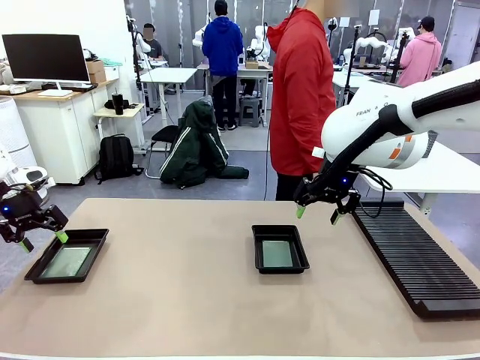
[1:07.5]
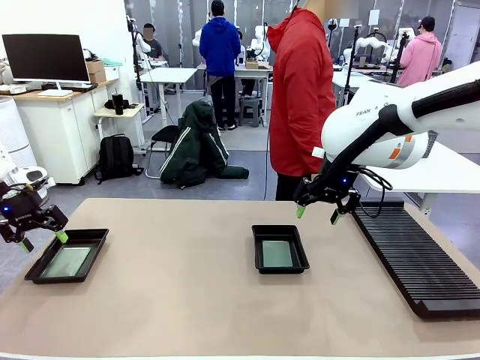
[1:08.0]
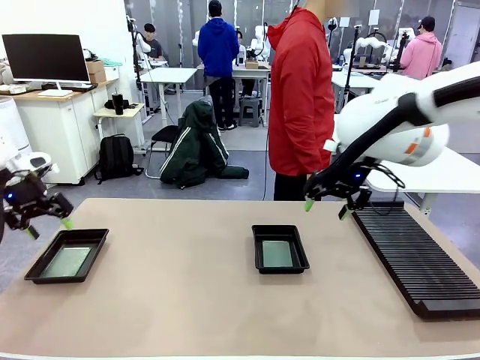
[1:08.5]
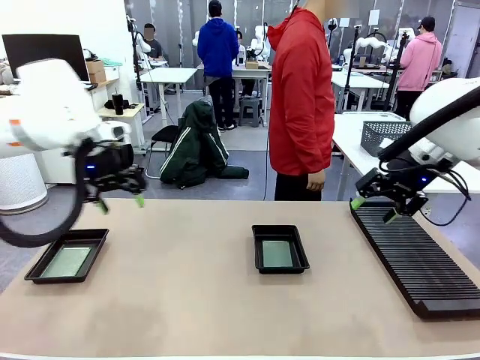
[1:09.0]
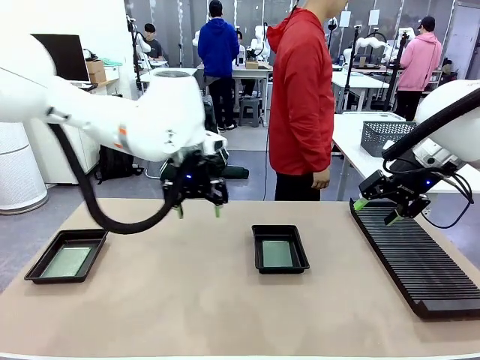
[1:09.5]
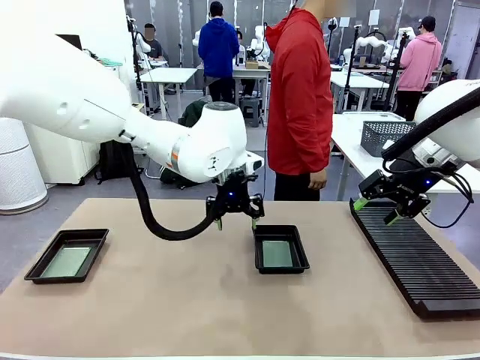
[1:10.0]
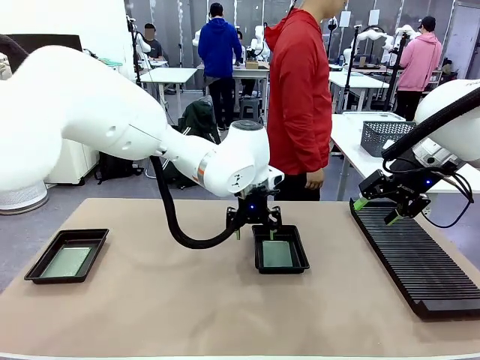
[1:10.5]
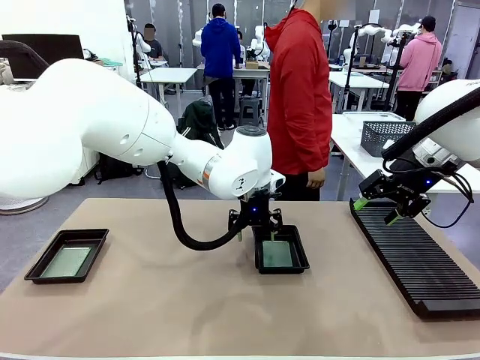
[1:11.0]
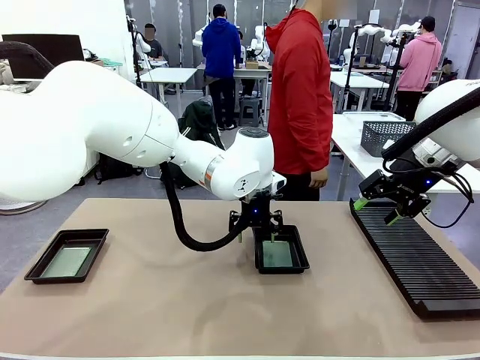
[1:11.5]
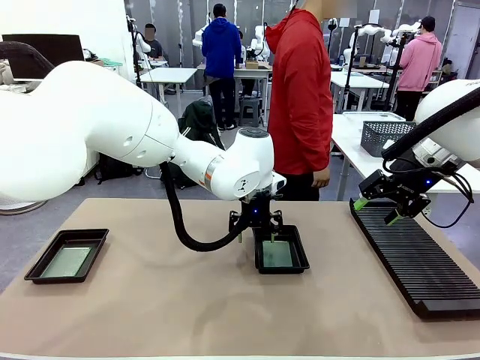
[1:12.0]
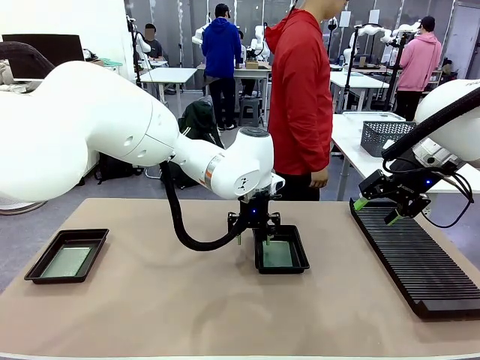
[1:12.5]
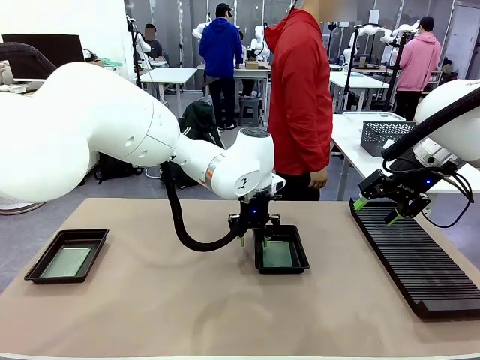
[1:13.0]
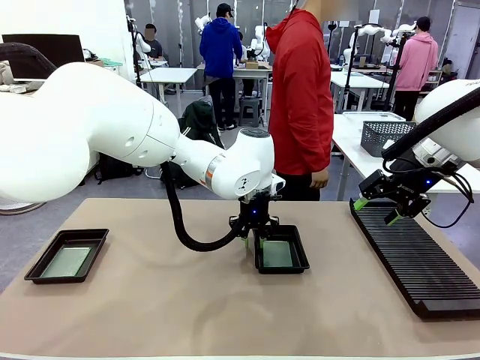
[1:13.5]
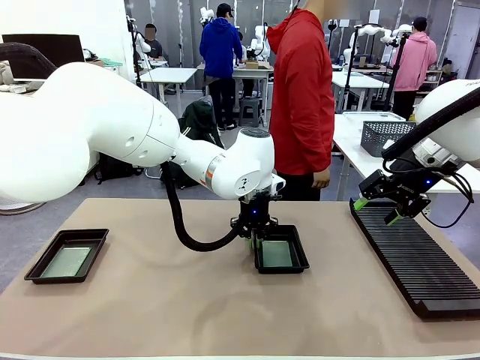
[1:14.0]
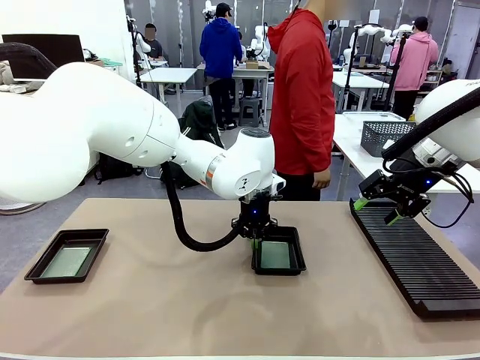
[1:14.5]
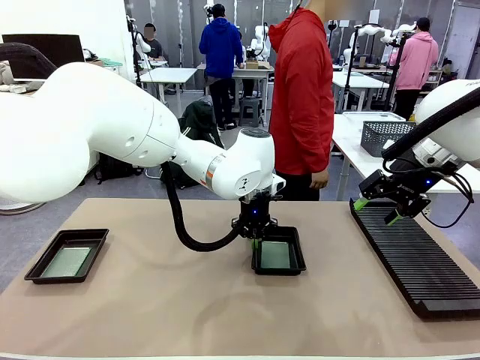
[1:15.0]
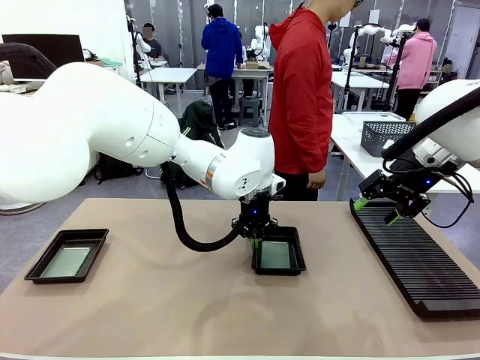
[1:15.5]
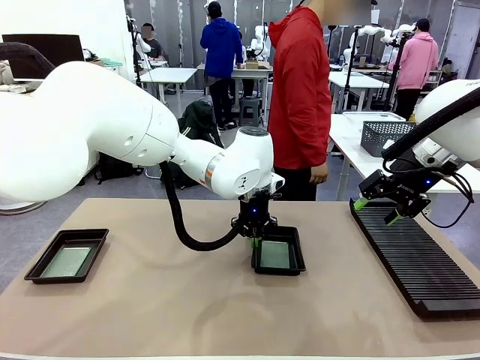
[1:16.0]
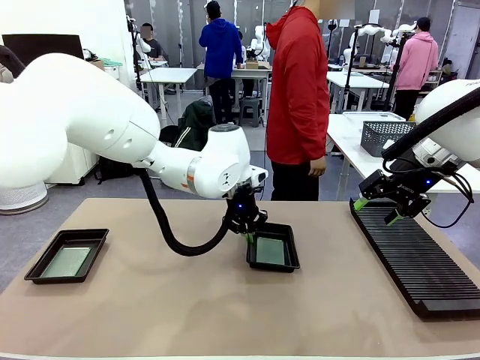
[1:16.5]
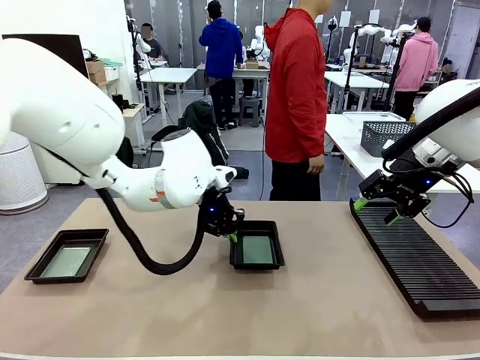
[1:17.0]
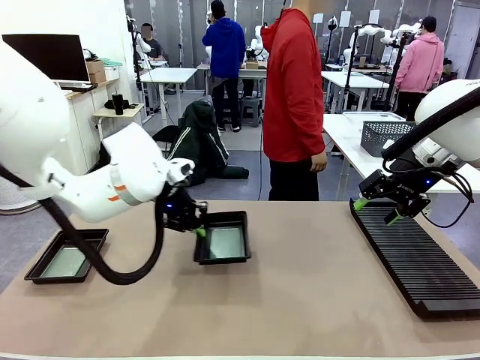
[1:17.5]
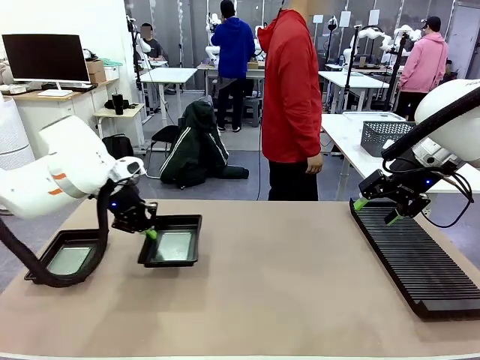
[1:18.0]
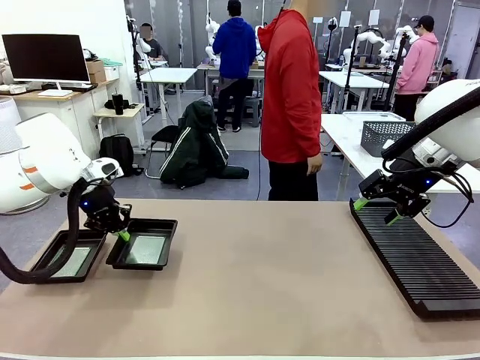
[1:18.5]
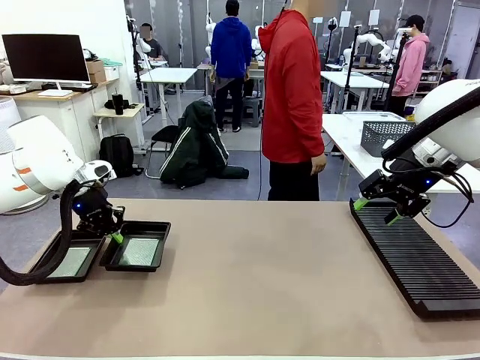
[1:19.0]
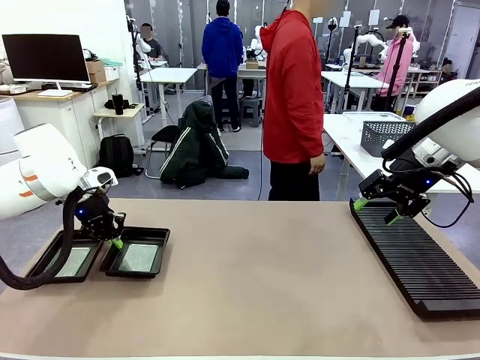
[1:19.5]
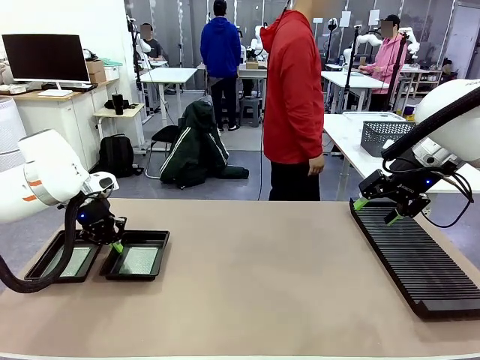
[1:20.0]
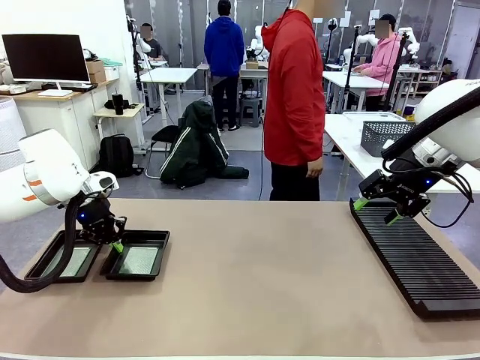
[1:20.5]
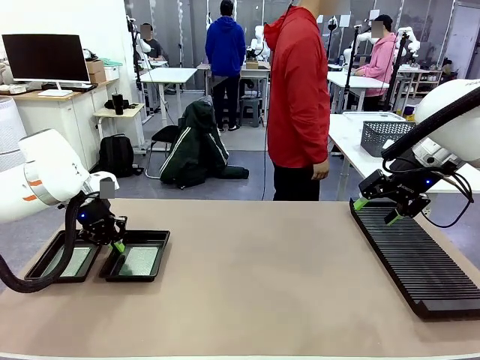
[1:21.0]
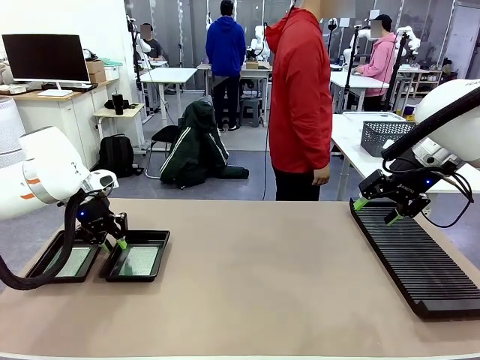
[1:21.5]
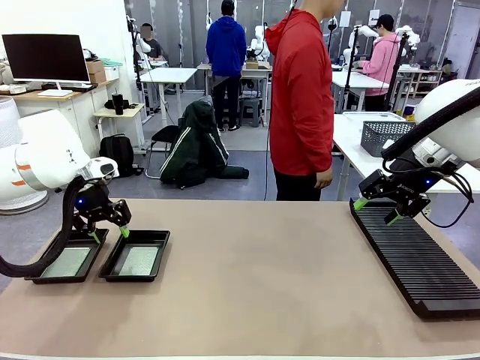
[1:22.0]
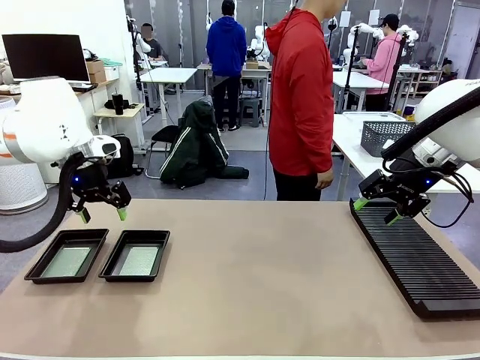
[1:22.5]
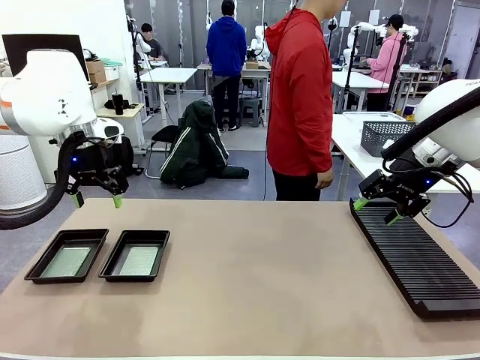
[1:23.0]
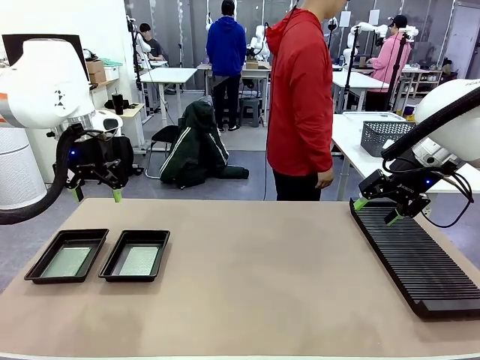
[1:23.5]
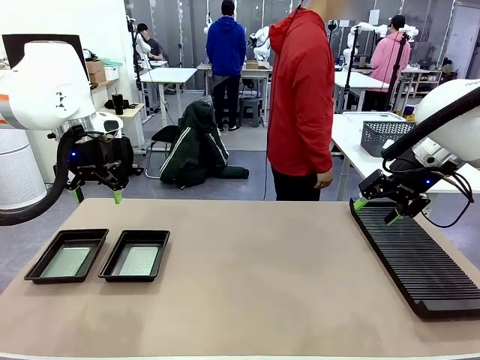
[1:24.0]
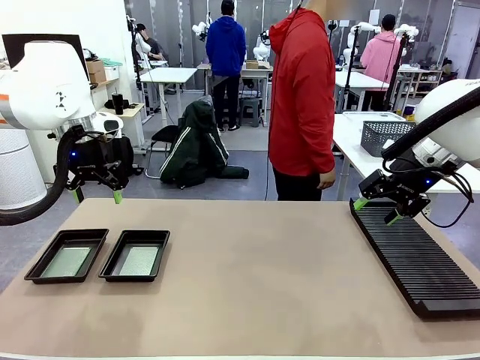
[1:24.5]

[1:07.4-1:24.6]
Task: Inspect and transfer BCBs to ESD trays.
Robot: Pick up the ESD tray and place it on the left side of the table.

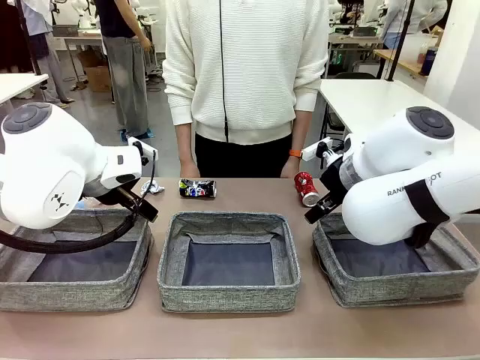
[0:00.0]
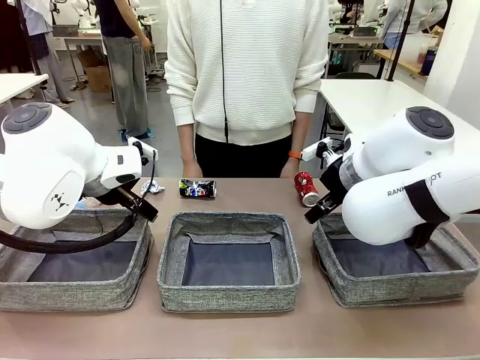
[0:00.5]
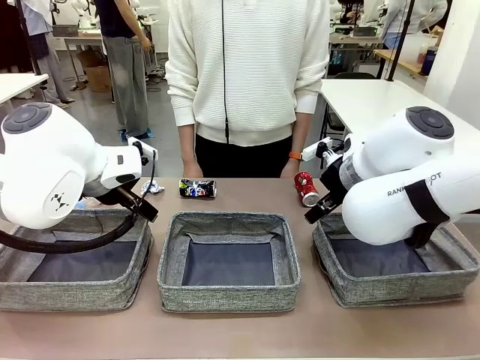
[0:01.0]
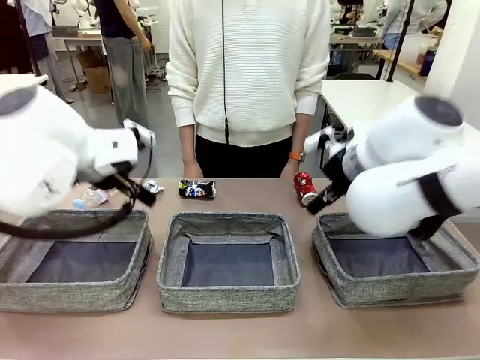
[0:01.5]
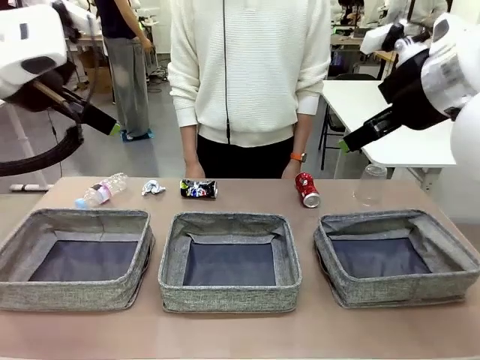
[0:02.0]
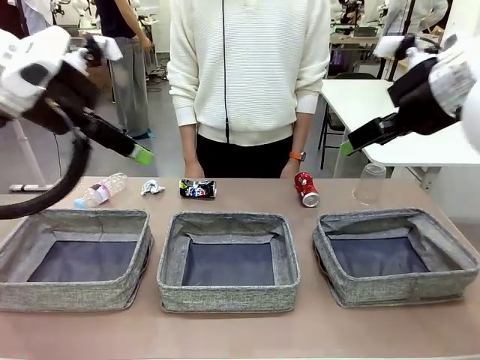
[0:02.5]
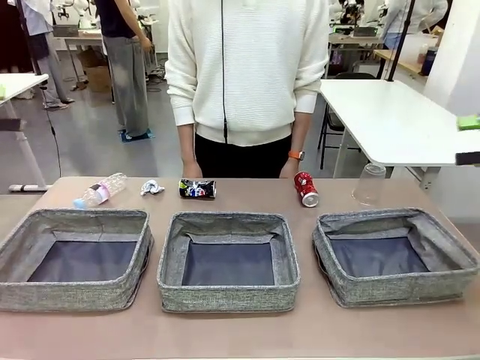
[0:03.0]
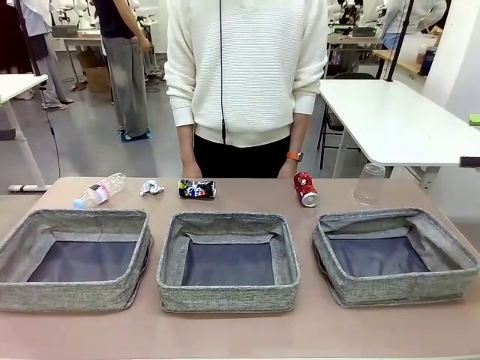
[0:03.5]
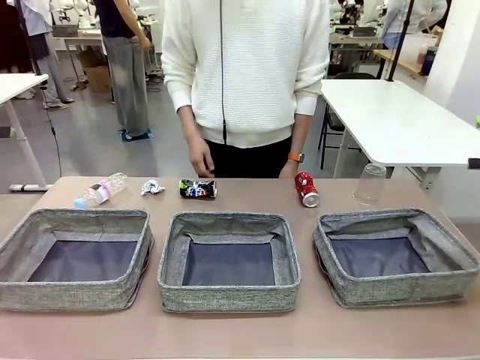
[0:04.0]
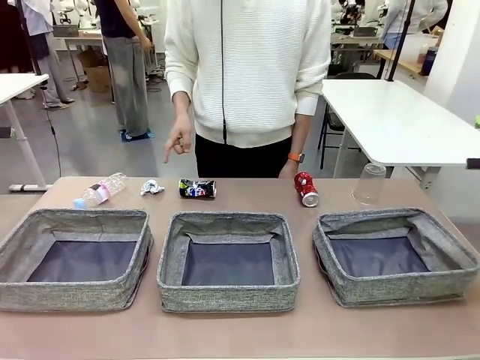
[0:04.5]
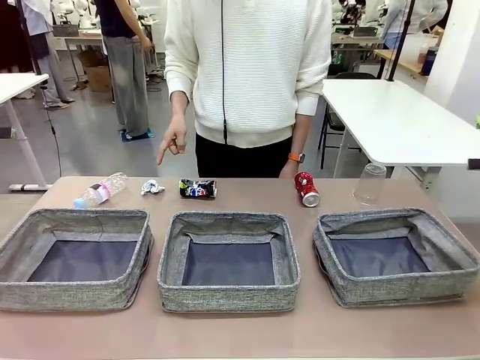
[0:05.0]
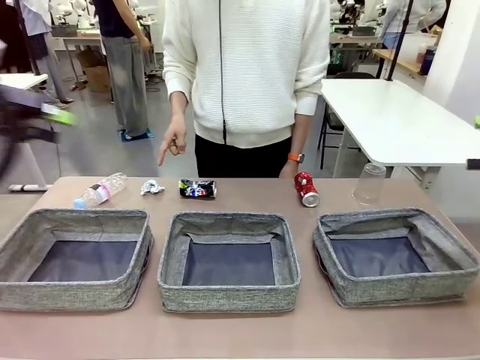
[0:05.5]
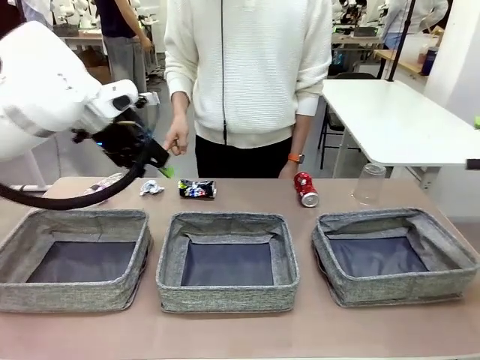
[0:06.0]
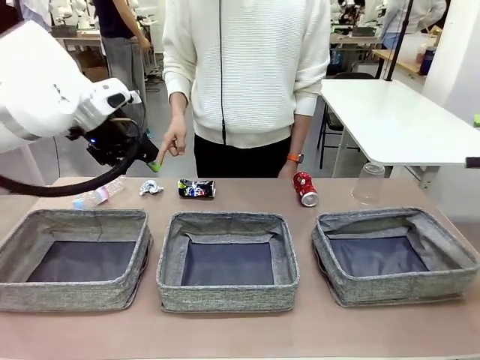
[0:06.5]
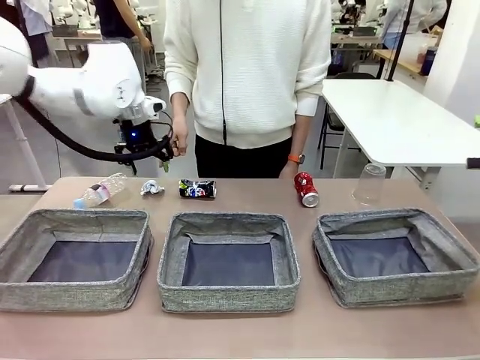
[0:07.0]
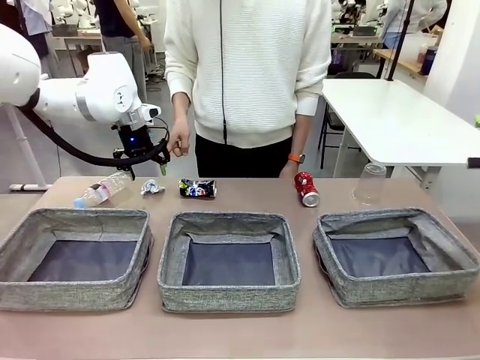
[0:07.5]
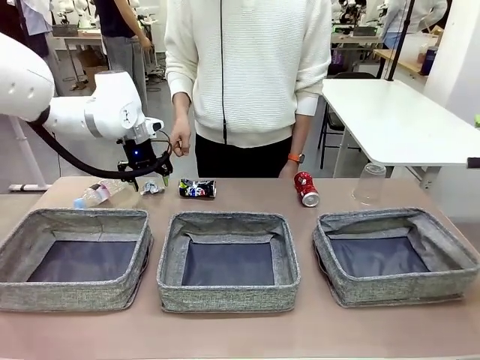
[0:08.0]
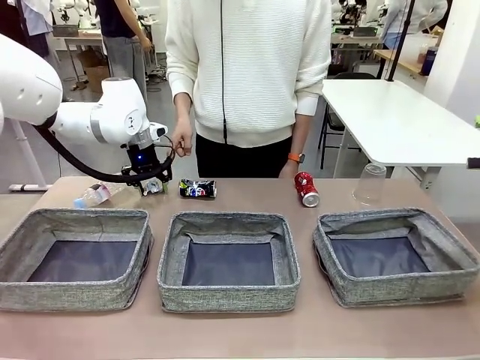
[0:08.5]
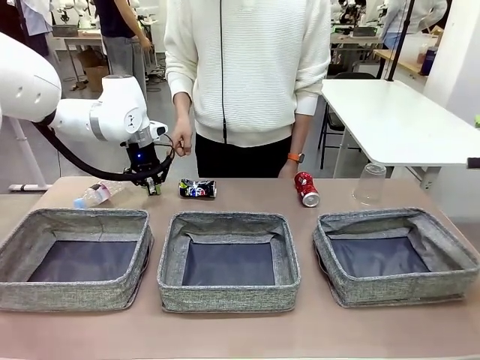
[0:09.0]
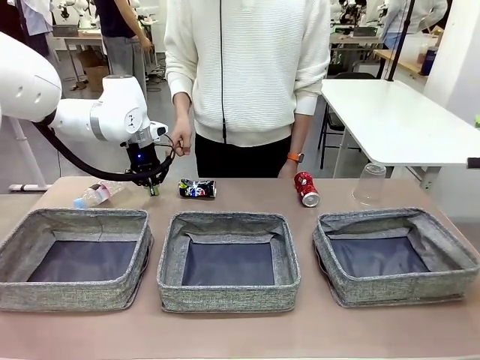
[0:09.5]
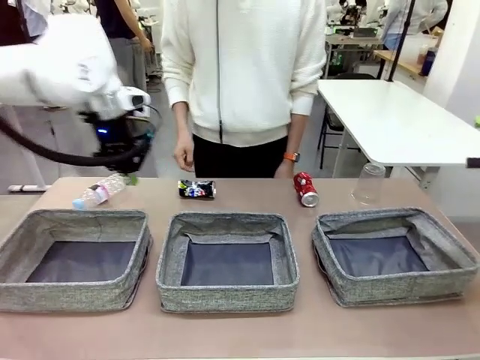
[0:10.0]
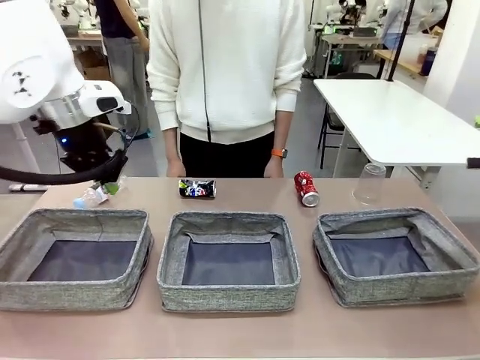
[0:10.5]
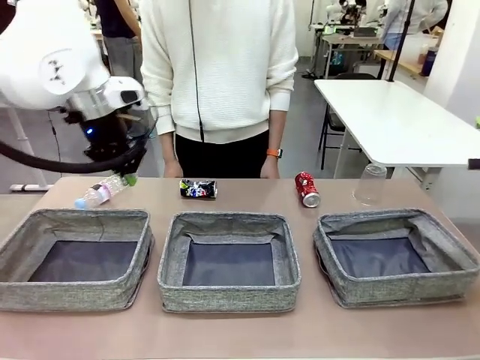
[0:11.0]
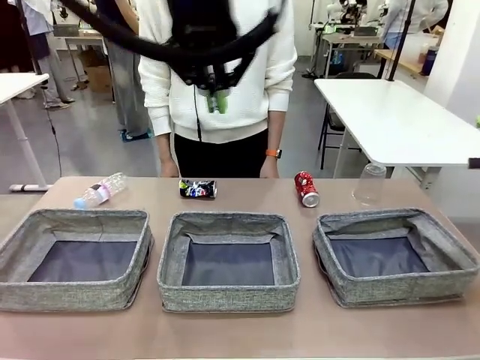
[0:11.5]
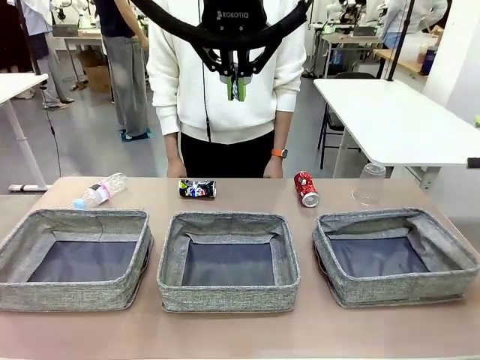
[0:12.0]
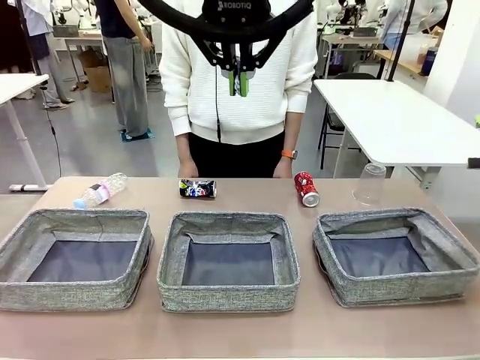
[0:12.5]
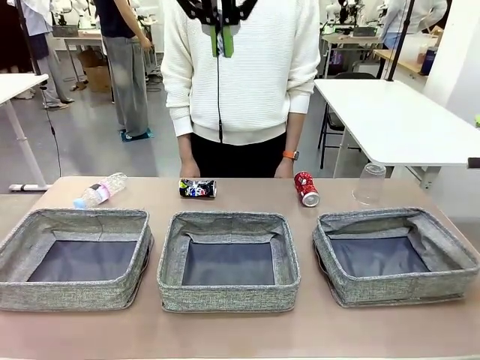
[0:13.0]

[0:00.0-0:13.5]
Task: Sort the waste into the appropriate baskets.
Robot: Pick up the waste item pointed out by the person.
Person: Points to one piece of trash on the table.
